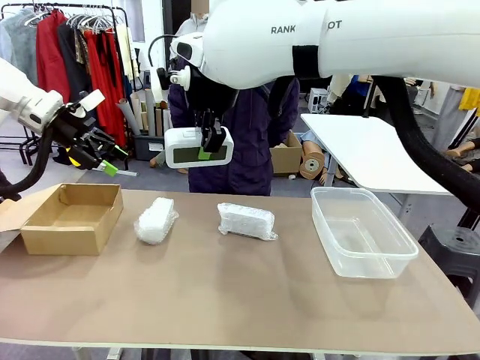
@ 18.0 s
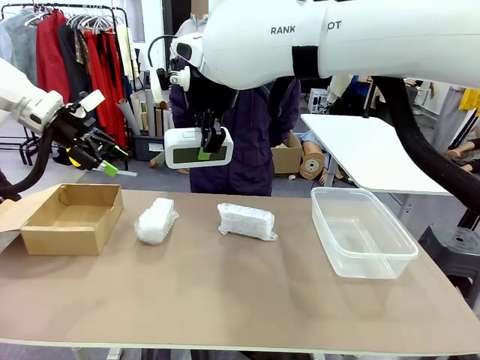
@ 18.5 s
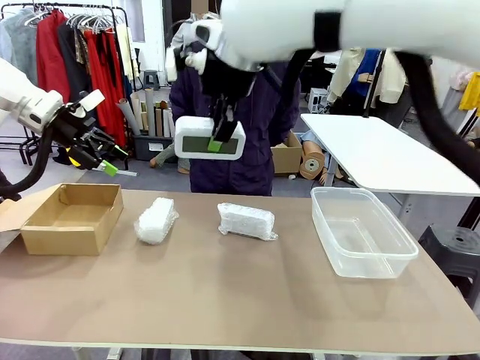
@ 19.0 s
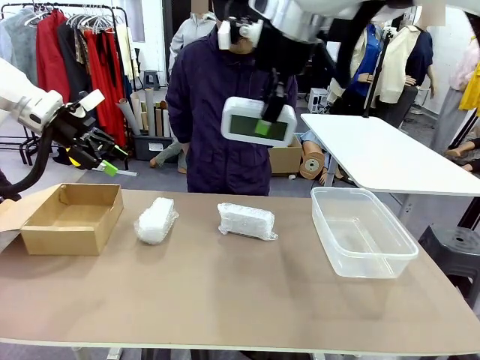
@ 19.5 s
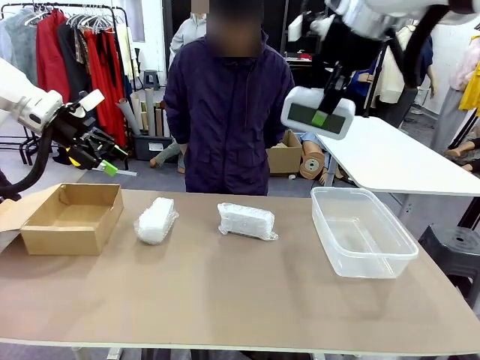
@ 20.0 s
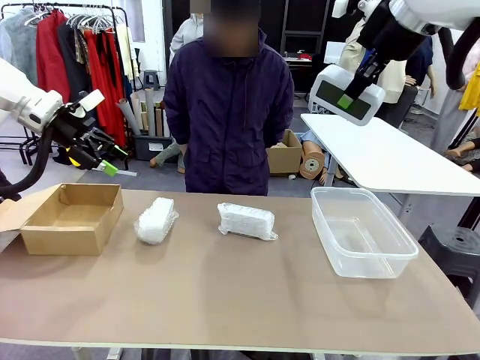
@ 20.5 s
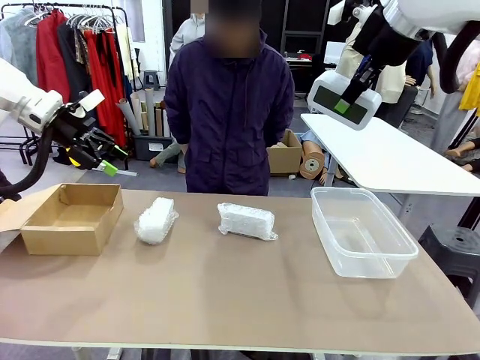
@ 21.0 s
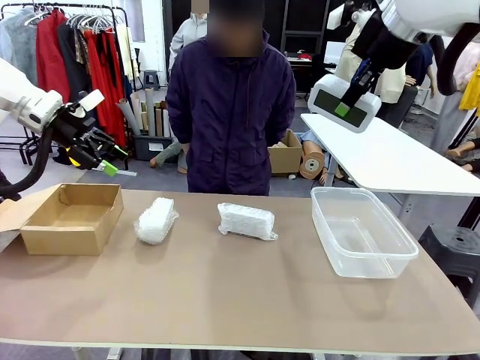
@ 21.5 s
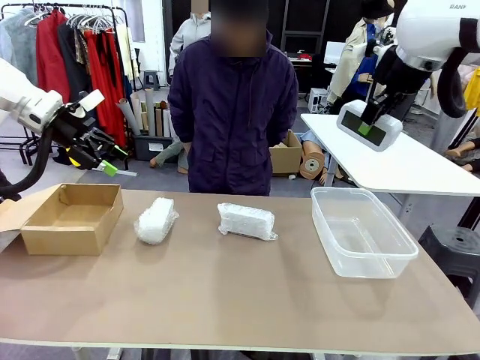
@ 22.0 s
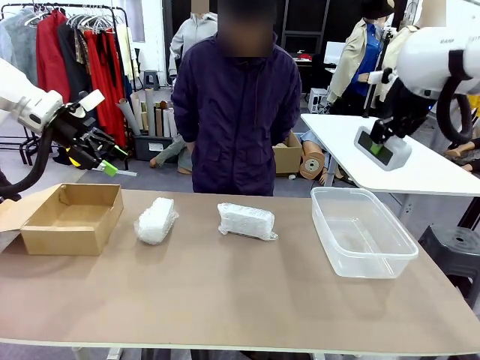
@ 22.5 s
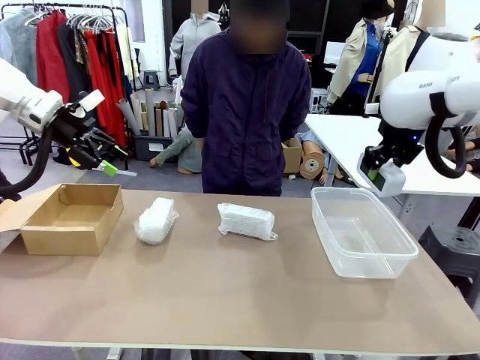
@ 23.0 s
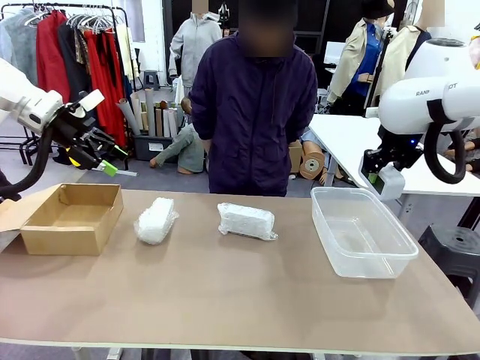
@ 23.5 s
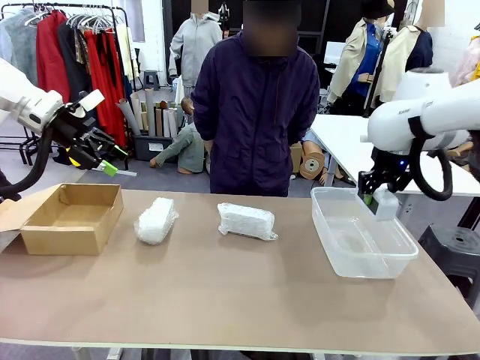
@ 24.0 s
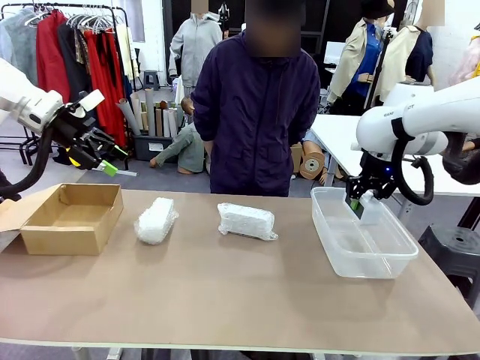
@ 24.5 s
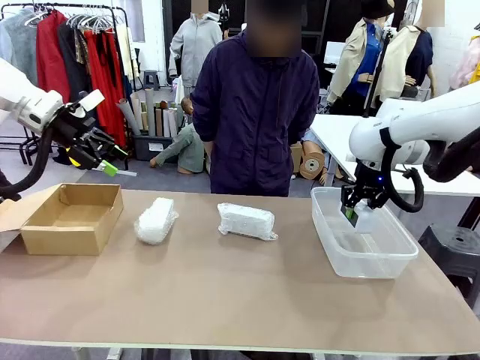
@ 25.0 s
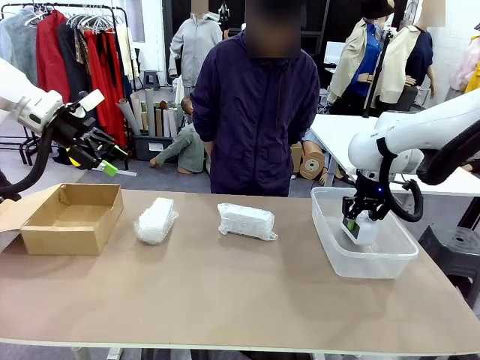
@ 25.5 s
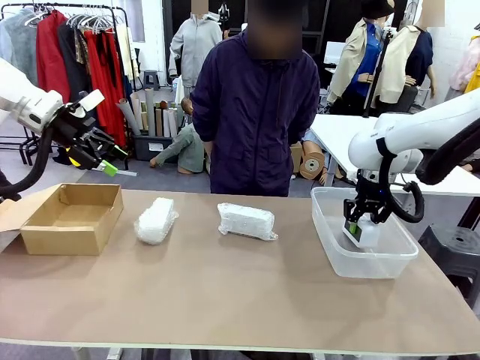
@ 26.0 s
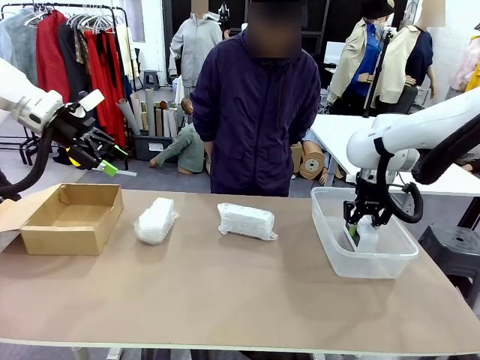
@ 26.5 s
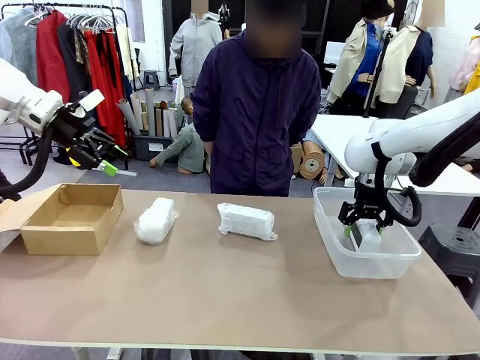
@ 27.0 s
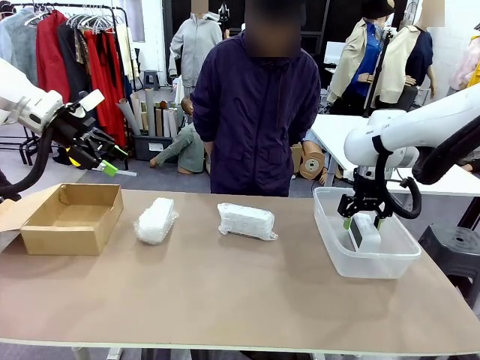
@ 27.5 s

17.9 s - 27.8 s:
Task: Separate and place wrapped and unwrapped clocks.
Robot: If the picked Digital clock is wrapped, place it in the Package Box ; if not, place it in the Organizing box.

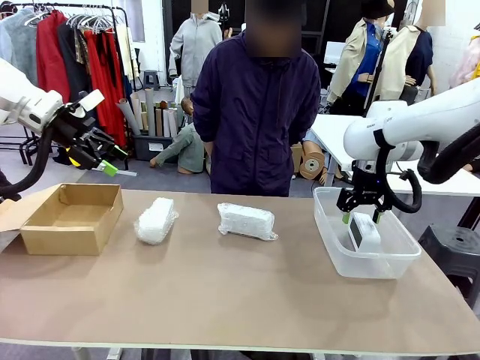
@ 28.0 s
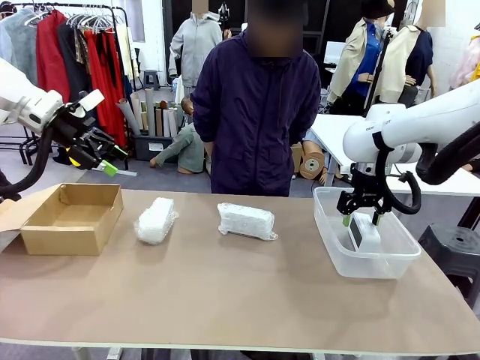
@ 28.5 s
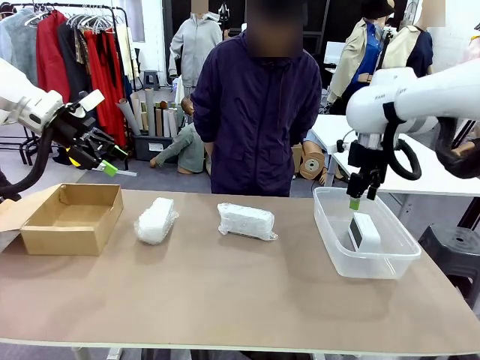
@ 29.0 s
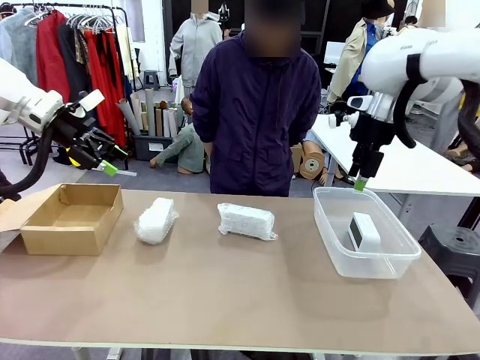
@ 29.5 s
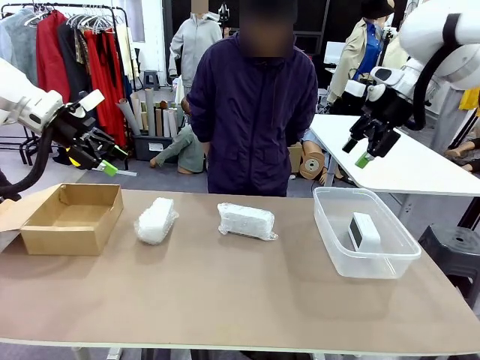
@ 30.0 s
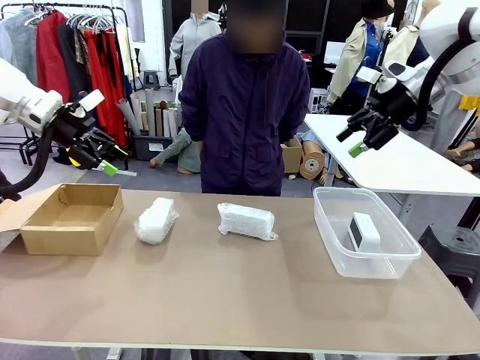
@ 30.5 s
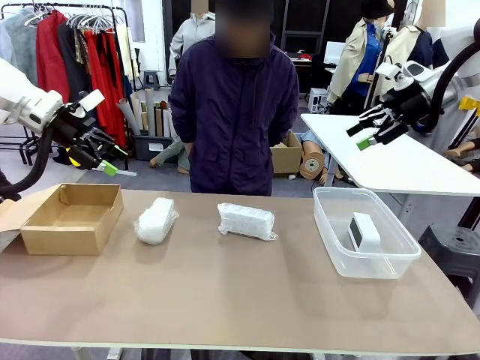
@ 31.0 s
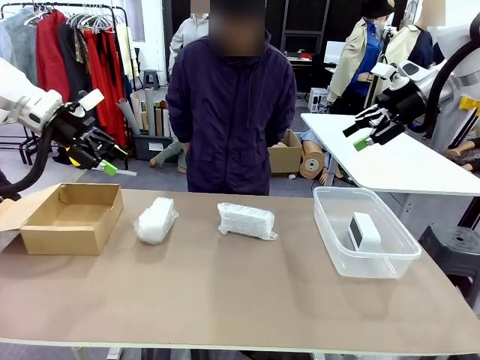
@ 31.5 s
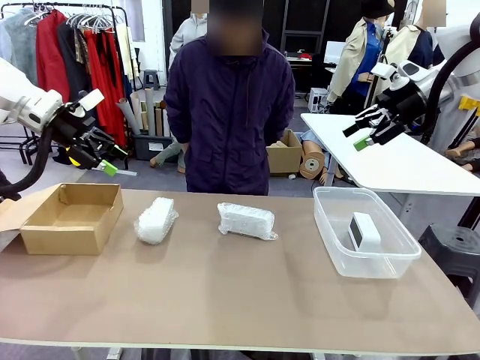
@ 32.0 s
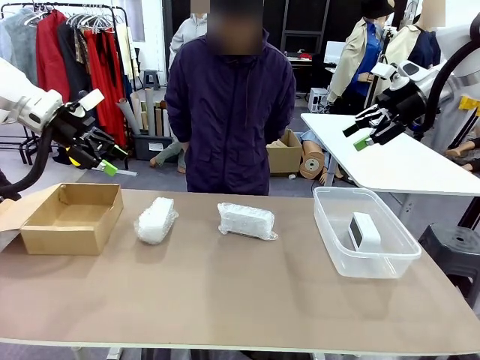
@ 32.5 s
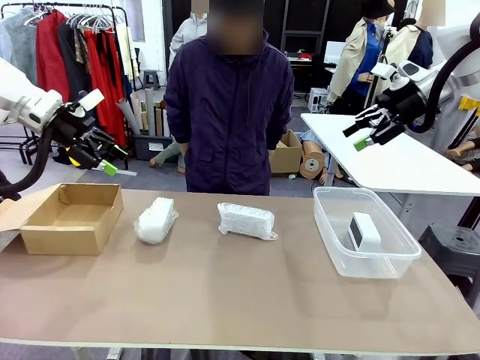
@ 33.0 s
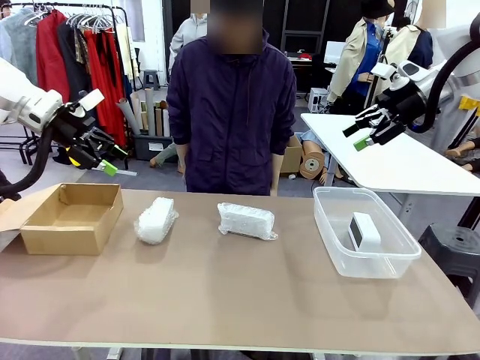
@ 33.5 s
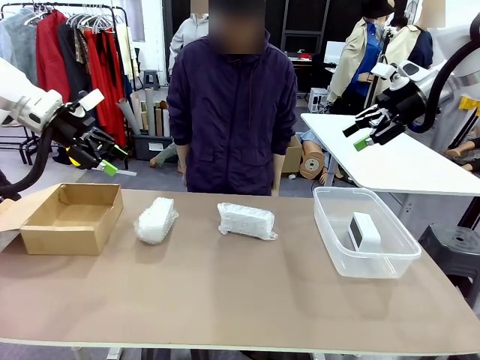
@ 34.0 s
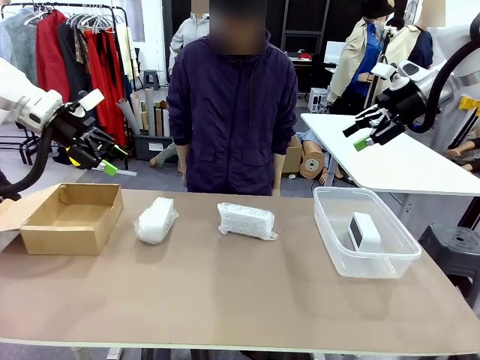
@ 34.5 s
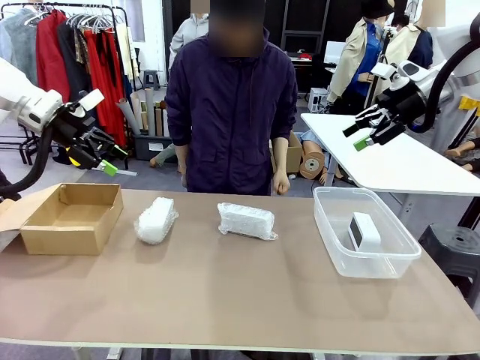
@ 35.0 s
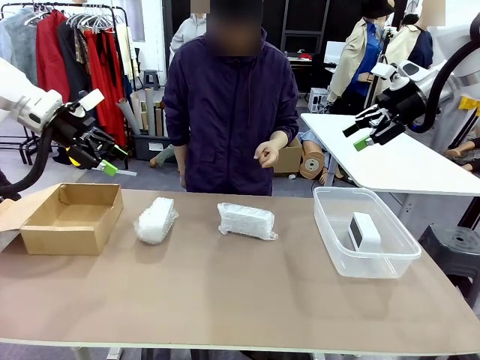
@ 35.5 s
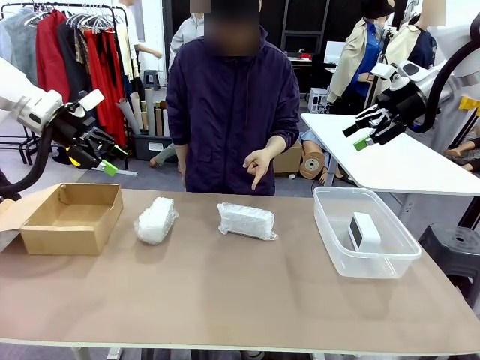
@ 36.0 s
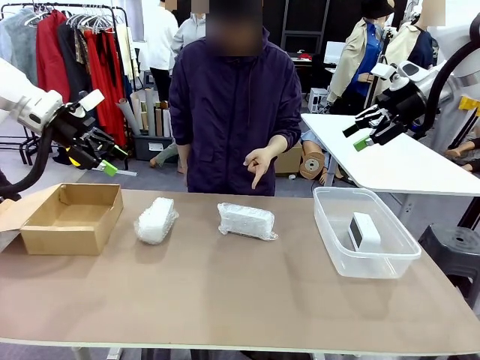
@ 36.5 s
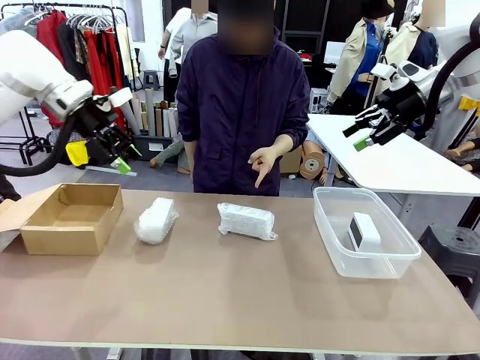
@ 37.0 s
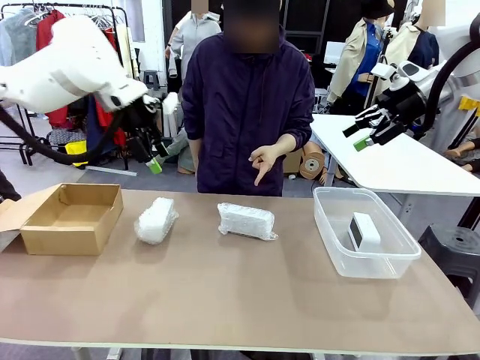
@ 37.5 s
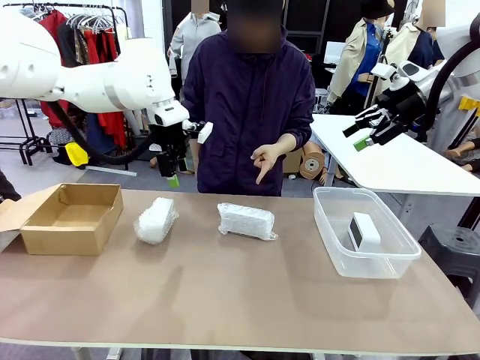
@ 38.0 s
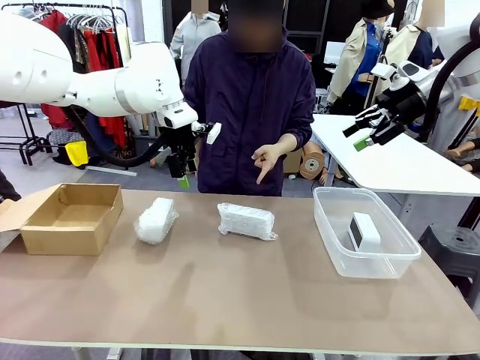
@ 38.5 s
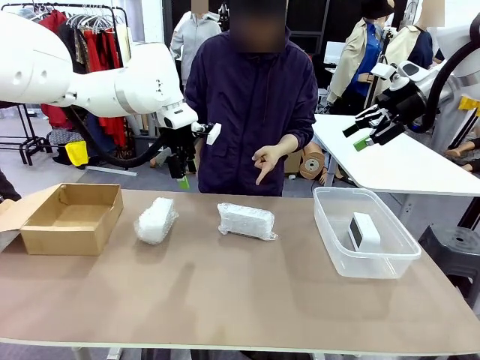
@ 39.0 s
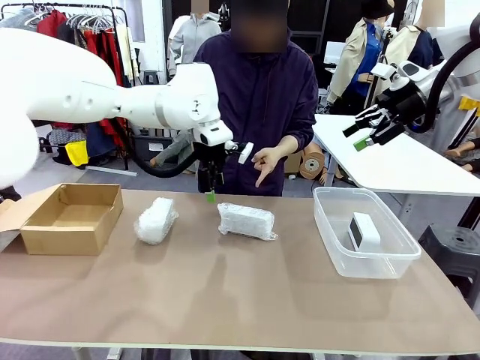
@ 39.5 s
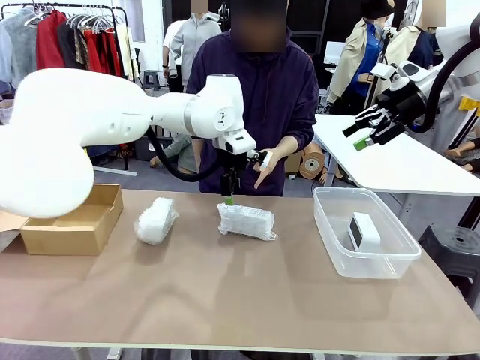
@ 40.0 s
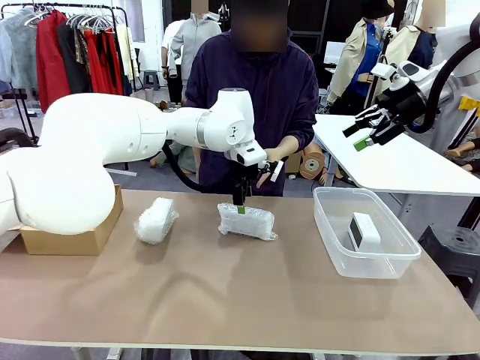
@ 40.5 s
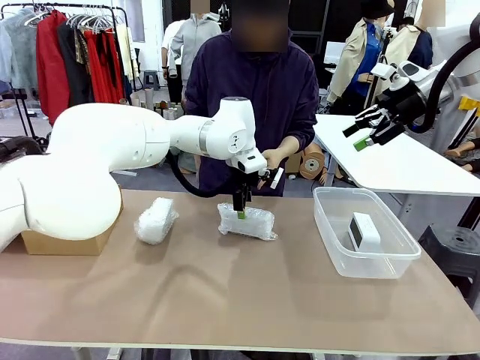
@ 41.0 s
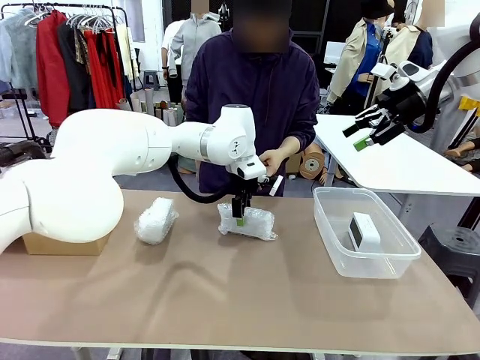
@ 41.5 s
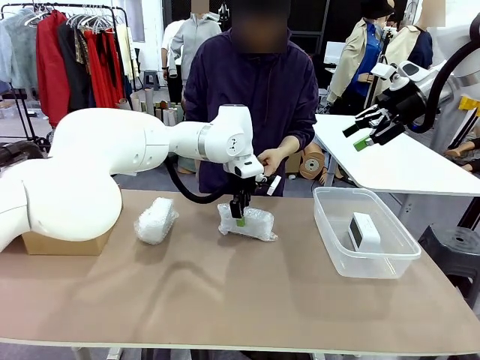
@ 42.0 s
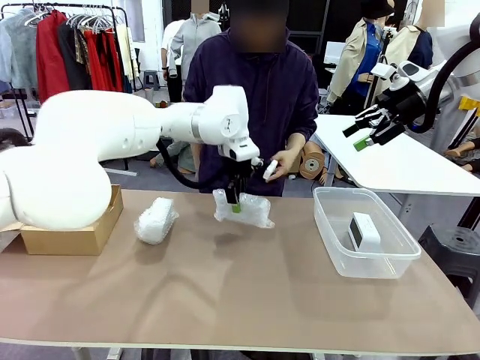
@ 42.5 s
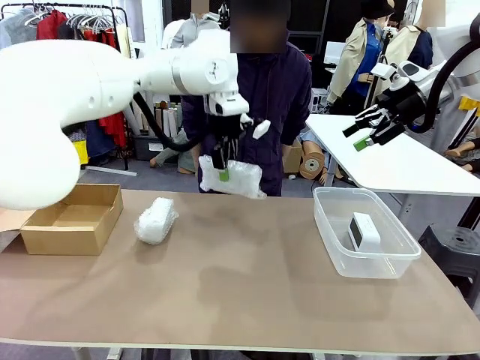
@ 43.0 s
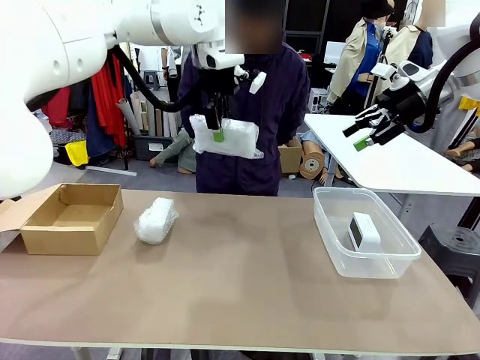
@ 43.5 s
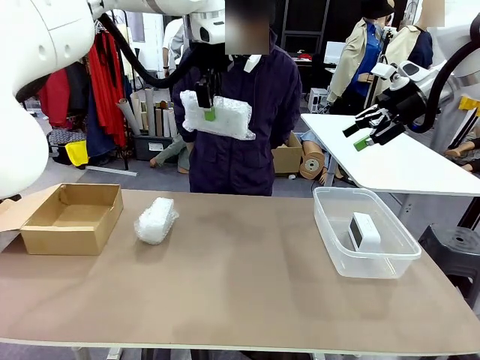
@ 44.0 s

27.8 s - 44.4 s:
Robot: Pick up the Digital clock indicated by the person.
